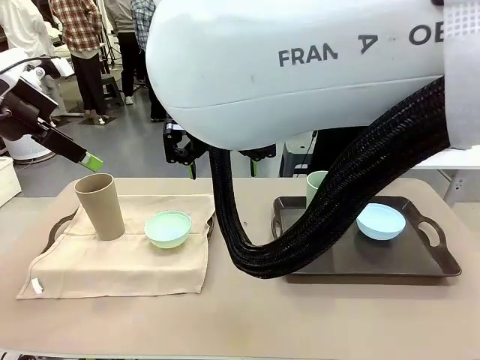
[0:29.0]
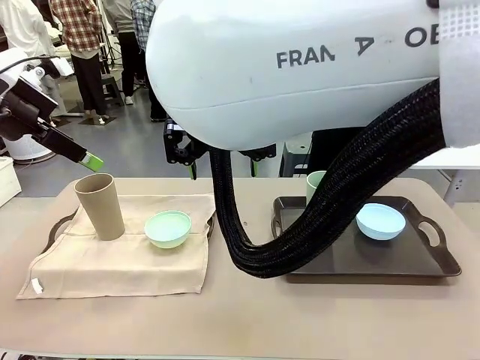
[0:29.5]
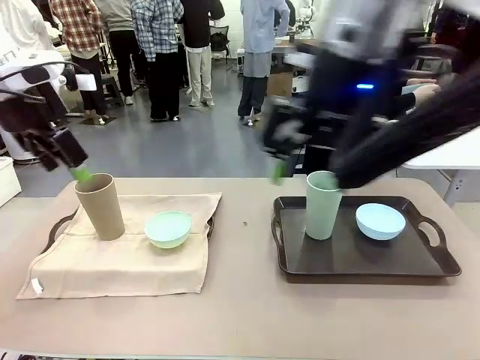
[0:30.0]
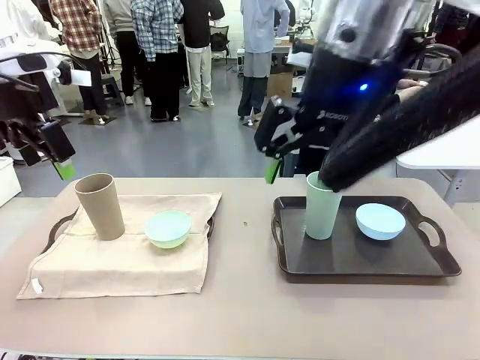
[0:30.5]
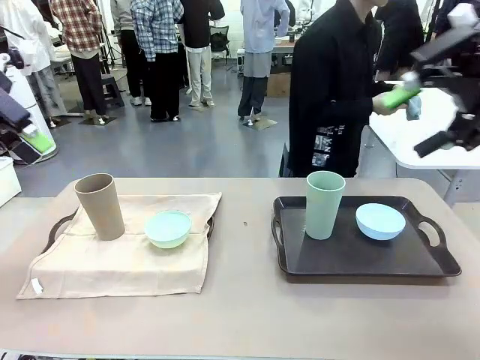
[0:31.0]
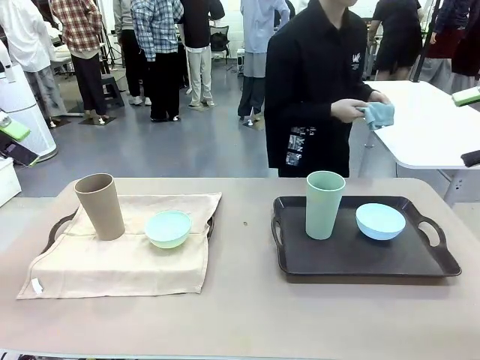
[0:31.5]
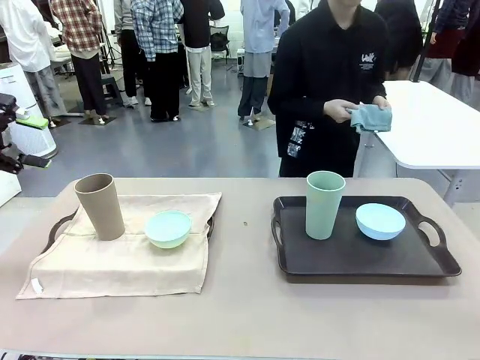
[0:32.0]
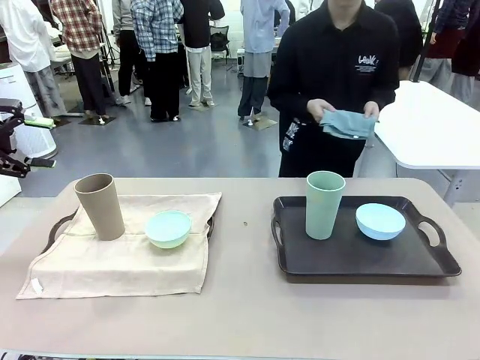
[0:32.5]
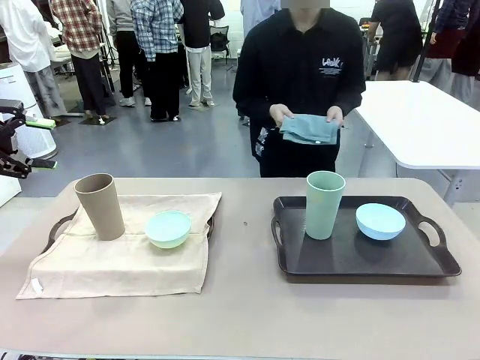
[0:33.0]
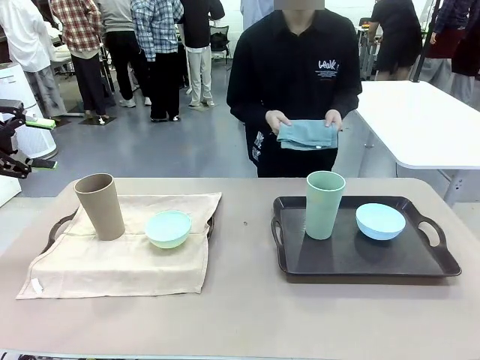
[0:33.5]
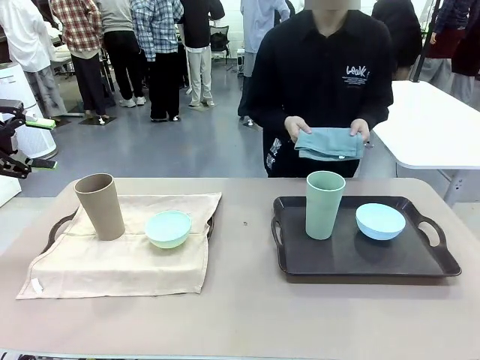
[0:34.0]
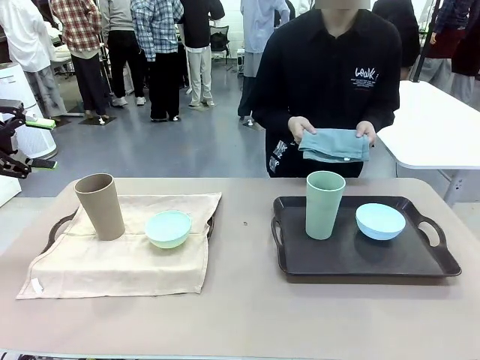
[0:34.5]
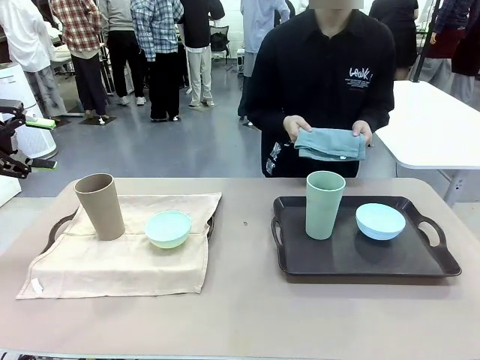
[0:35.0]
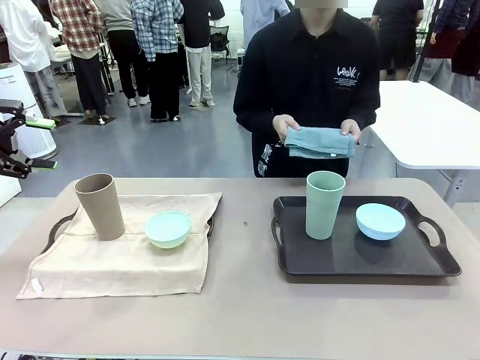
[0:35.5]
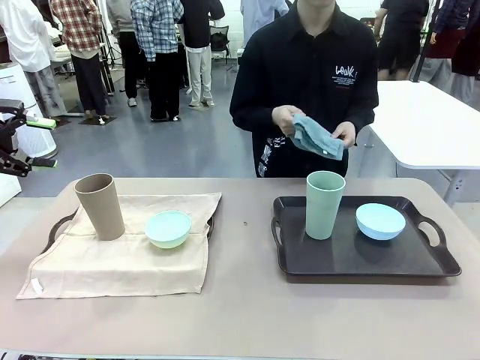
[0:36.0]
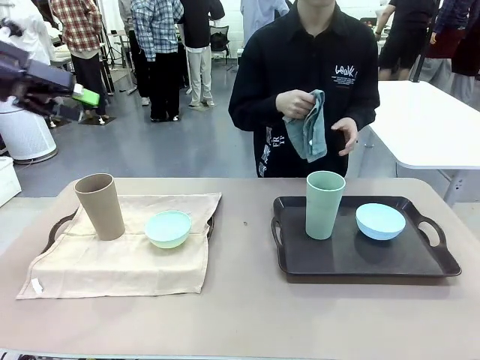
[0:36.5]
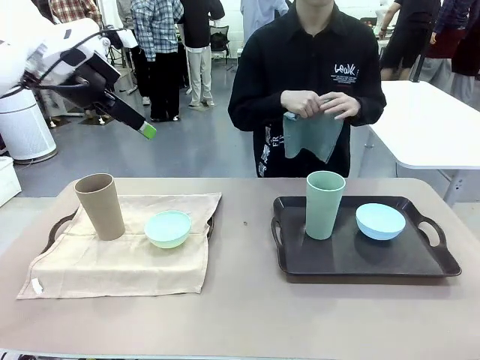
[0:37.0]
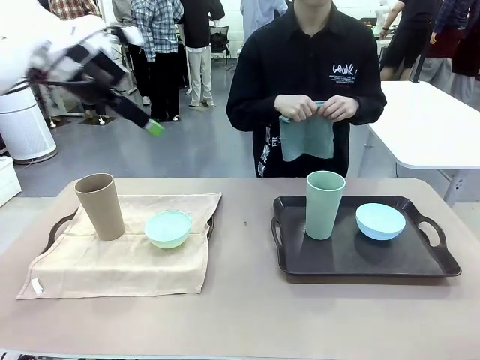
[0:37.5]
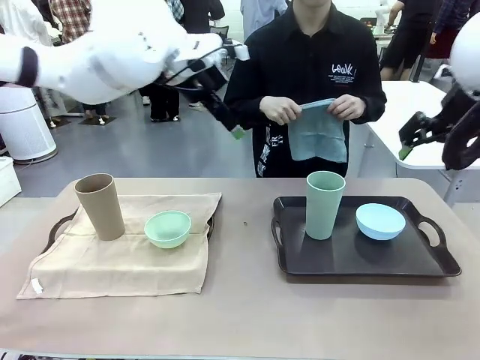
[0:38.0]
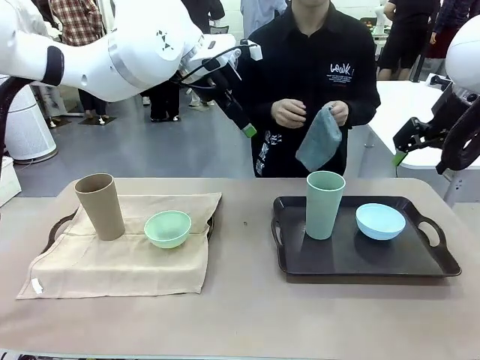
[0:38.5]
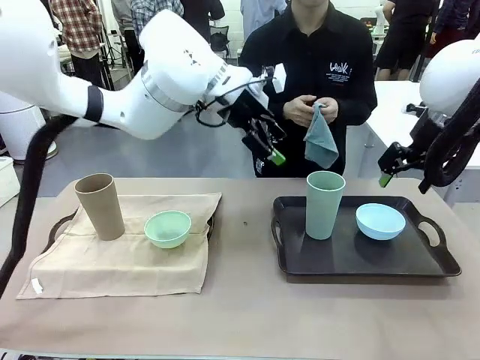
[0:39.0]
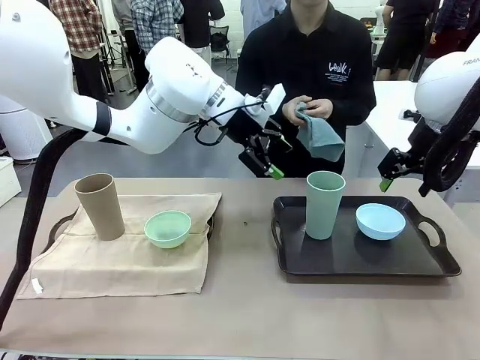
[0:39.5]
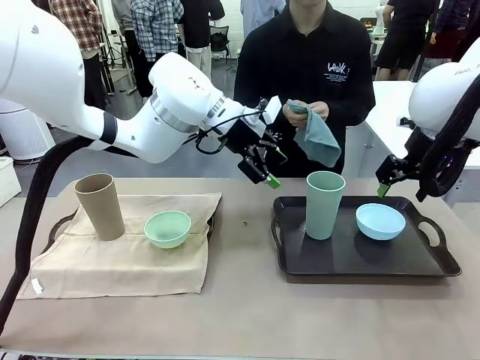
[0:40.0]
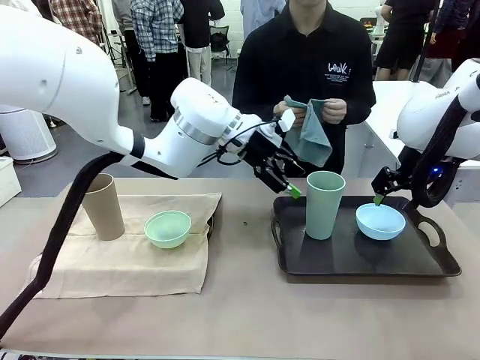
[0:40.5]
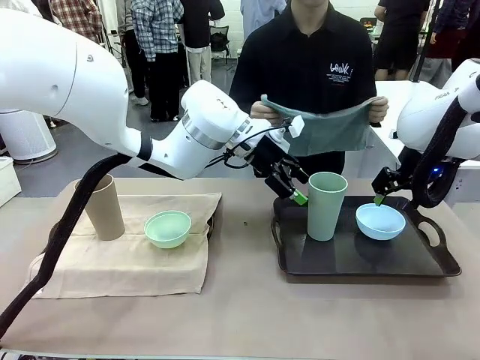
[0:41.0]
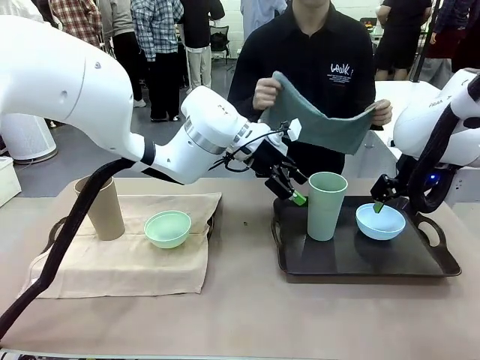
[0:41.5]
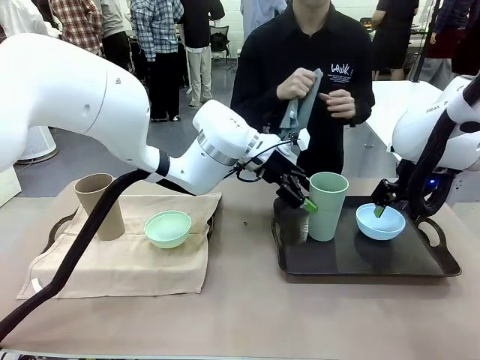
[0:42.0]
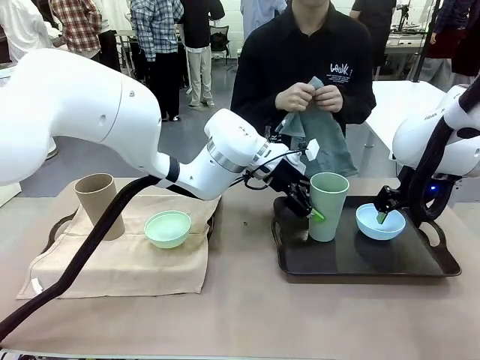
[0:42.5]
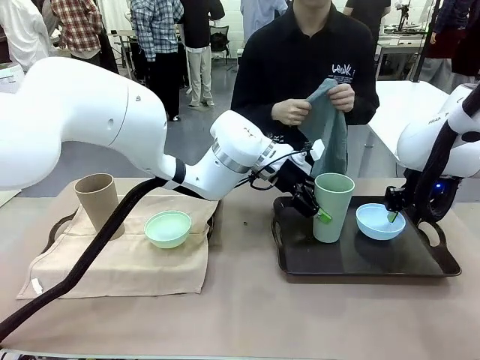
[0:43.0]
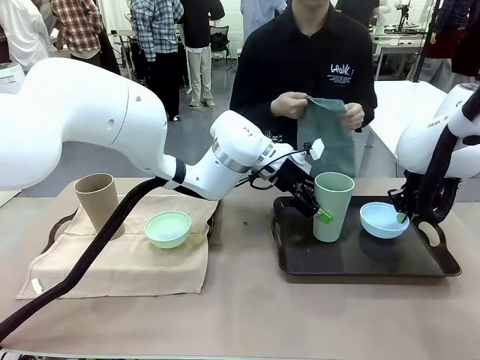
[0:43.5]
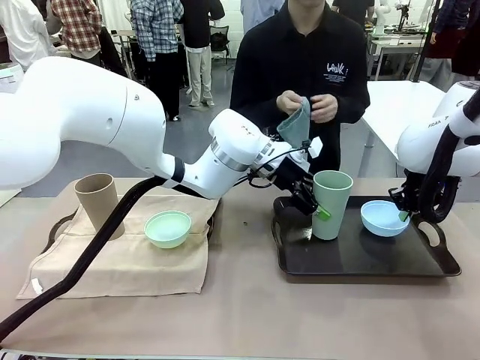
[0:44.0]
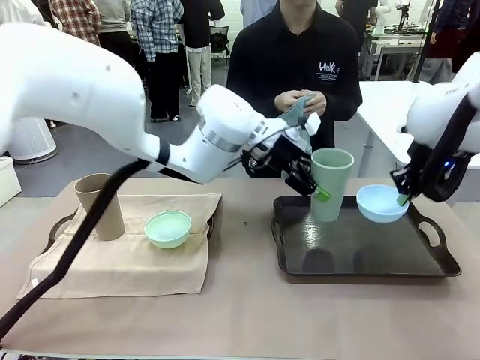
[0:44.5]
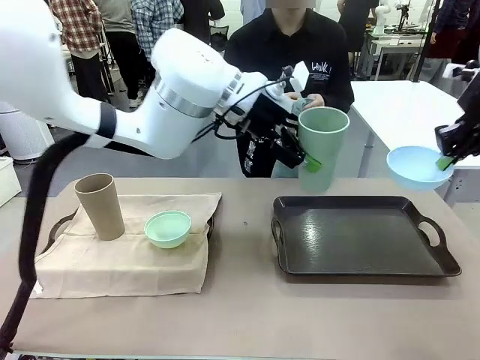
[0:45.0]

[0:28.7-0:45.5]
Robot: Pick up the Picnic Bowl and Reusable plastic cup from the Handle tray in front of the human's position and hold them in the air.
Person: The human returns to the human table to pick up another napkin and walks to the robot table to stand in front of the tray without a napkin.

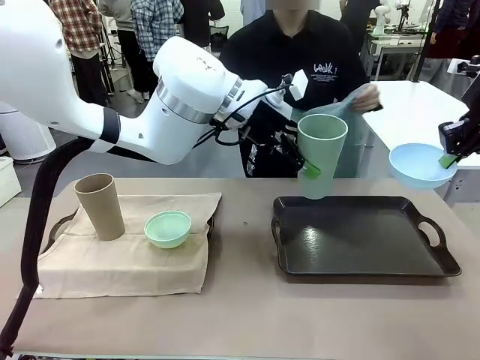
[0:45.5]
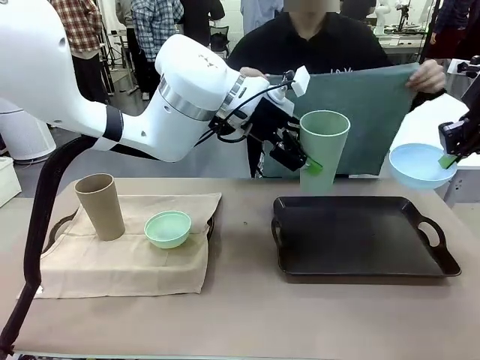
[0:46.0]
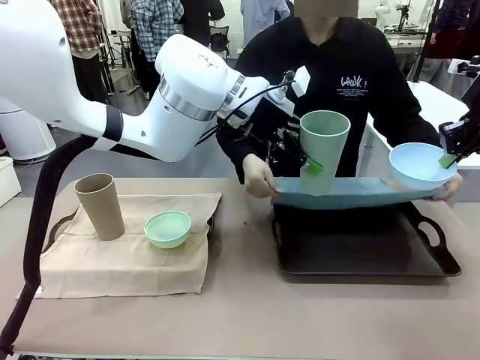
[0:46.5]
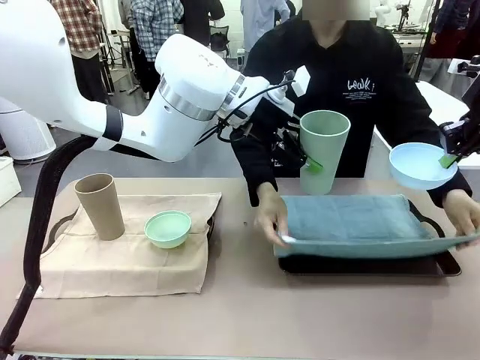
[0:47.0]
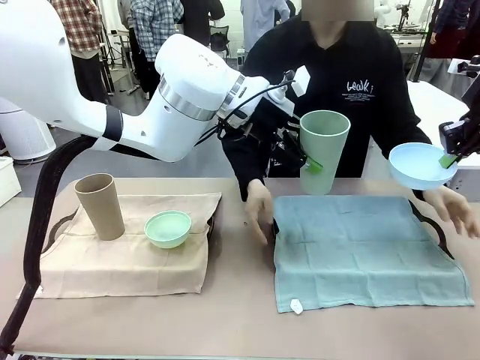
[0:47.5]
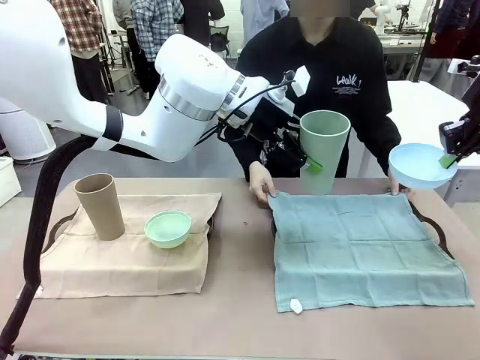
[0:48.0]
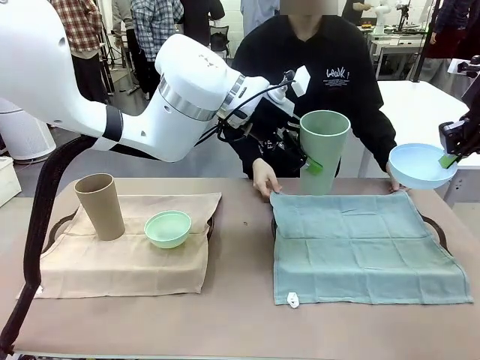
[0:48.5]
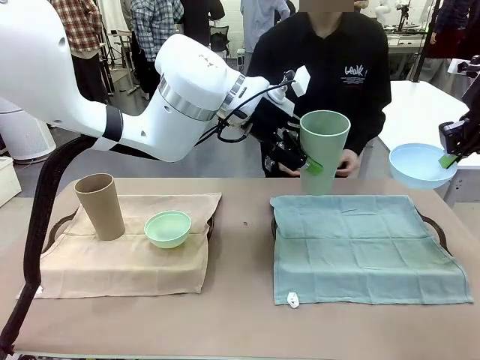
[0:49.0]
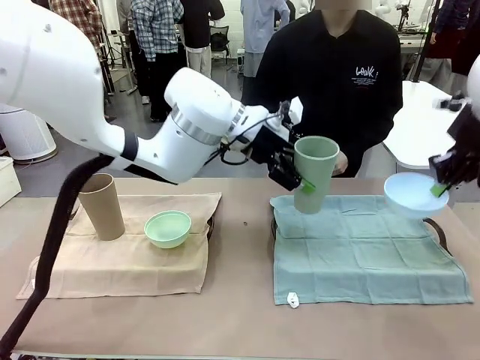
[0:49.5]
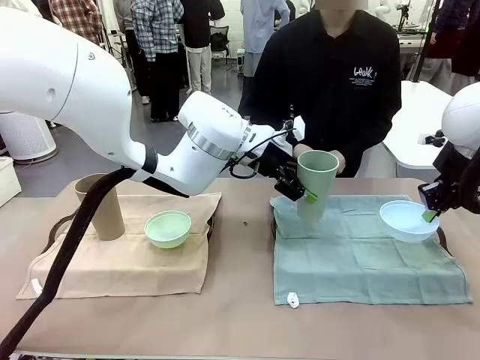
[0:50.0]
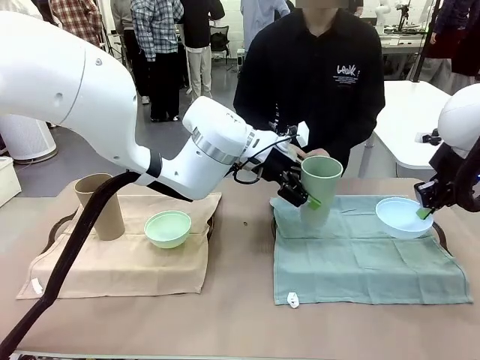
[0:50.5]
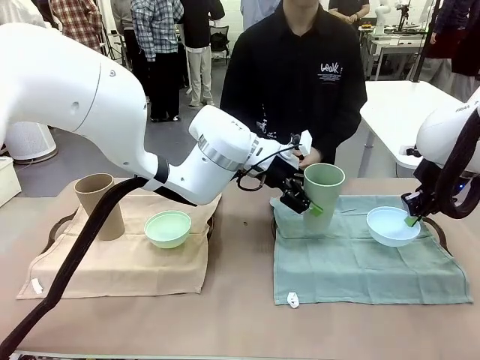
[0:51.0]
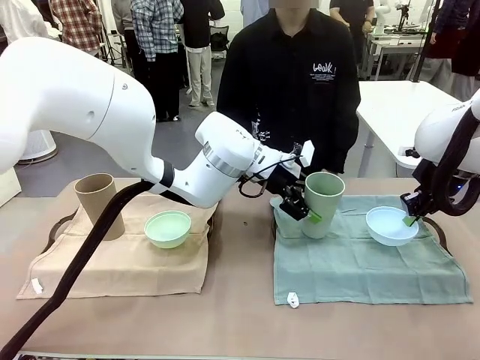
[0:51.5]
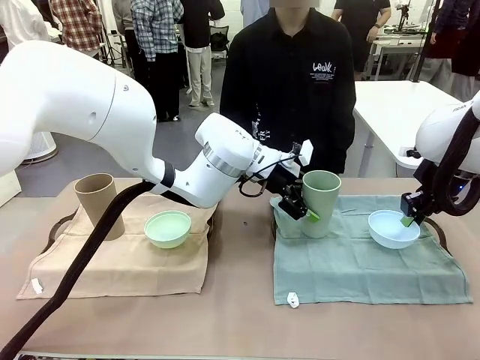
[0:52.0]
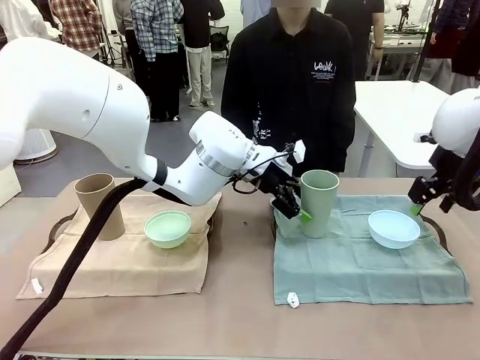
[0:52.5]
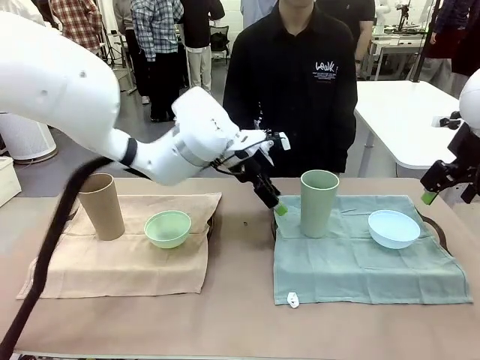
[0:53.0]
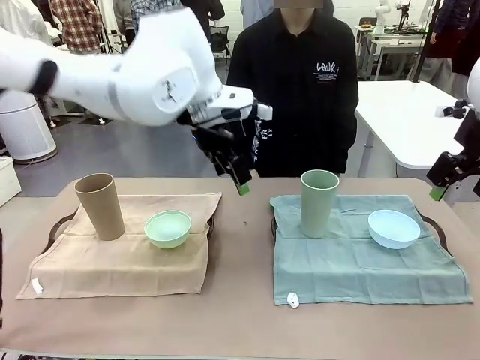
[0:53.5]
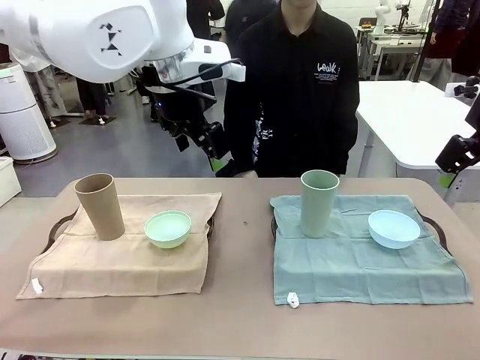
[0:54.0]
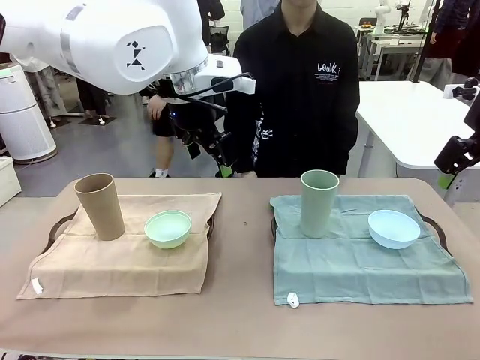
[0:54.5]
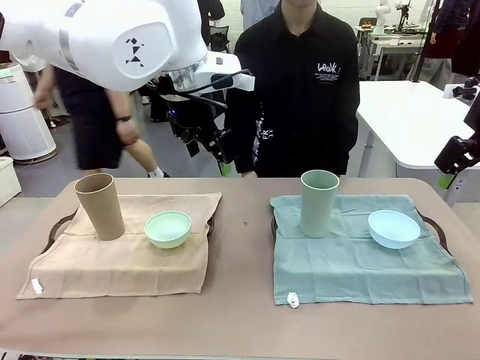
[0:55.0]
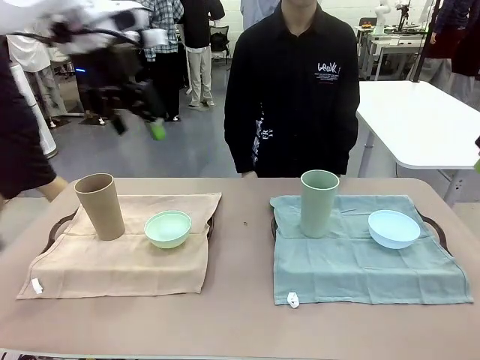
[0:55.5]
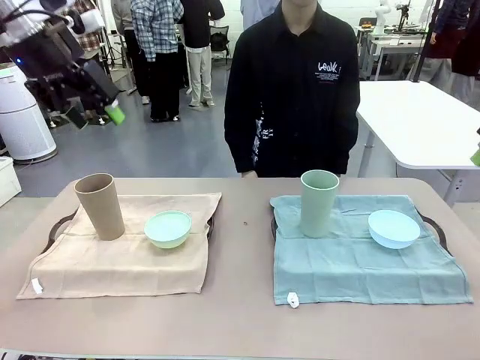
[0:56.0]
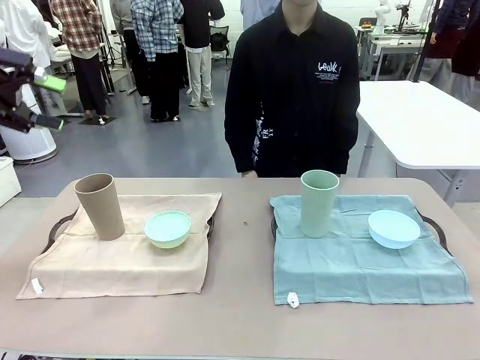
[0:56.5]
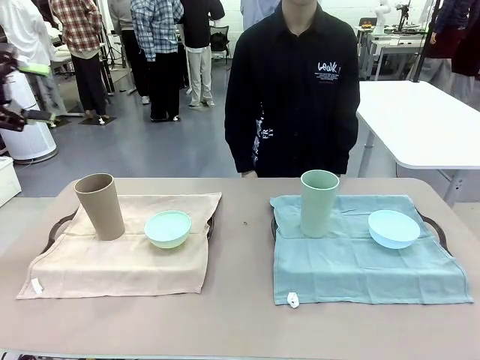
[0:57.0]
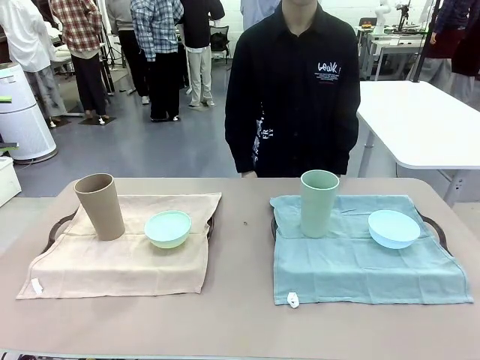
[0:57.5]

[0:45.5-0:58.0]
Robot: Place the Picnic Bowl and Reusable plastic cup back onto the Handle tray in front of the human's position.
Person: When the robot lifts the bowl and the cup, the human unfolds the napkin and lays the napkin flat on the tray.
